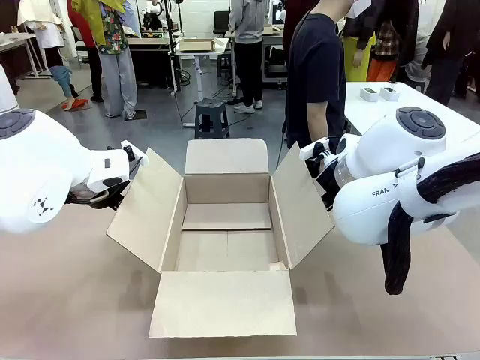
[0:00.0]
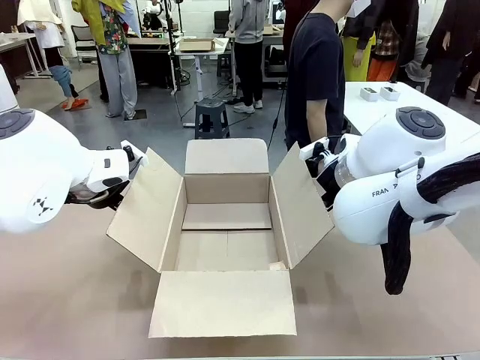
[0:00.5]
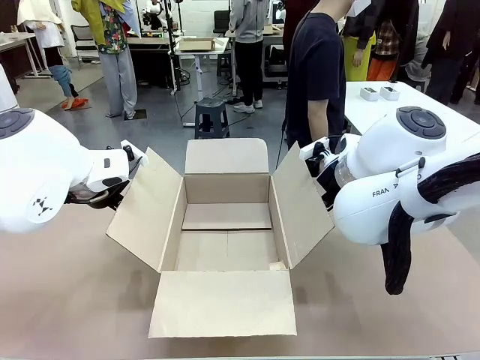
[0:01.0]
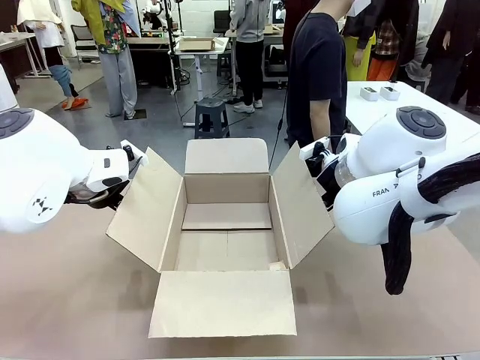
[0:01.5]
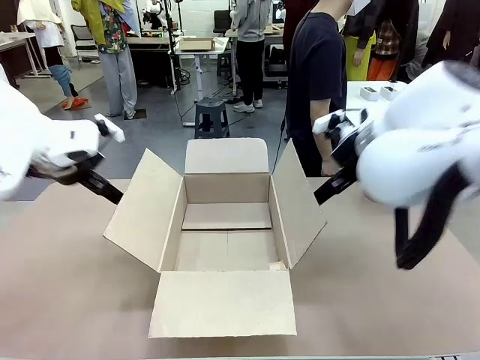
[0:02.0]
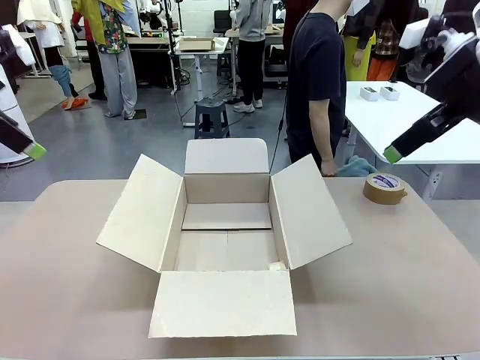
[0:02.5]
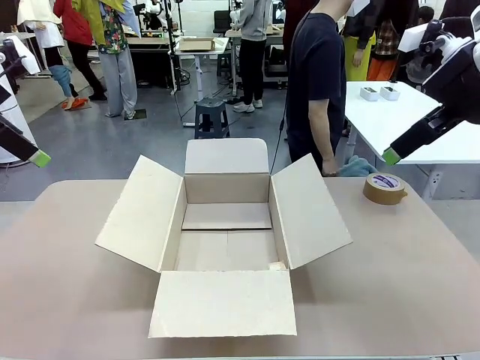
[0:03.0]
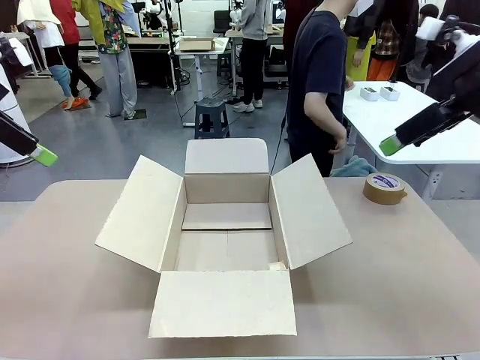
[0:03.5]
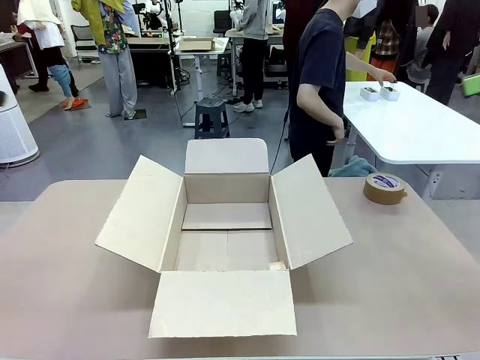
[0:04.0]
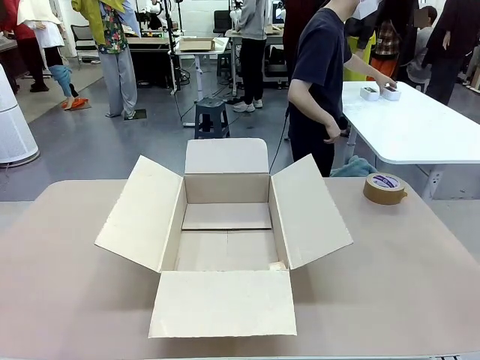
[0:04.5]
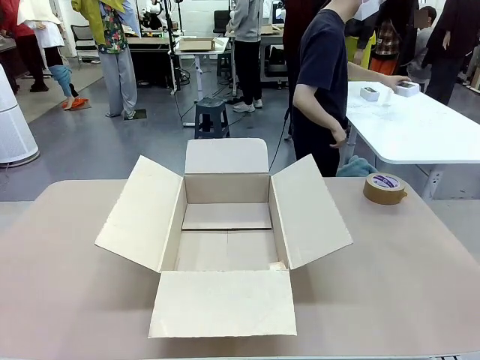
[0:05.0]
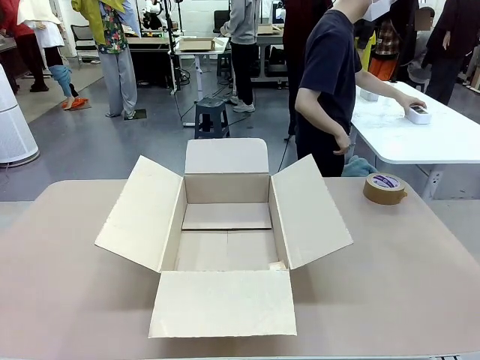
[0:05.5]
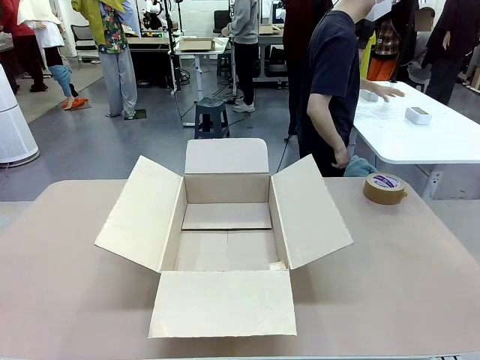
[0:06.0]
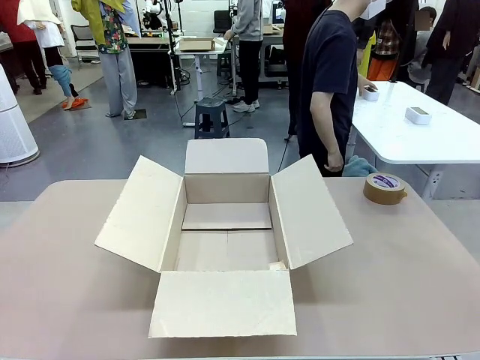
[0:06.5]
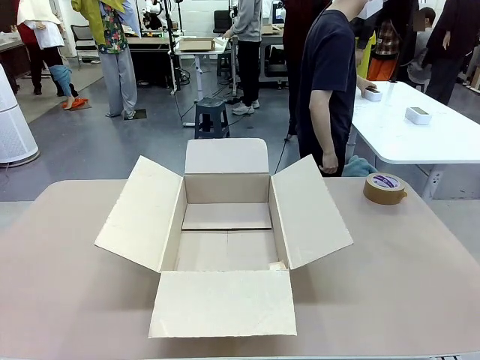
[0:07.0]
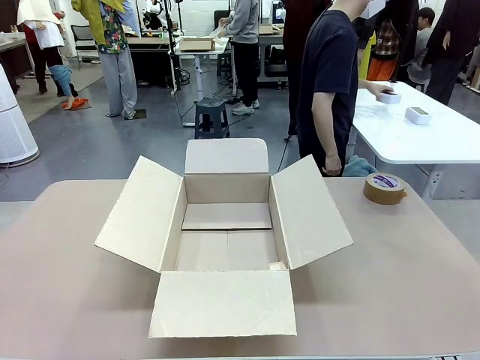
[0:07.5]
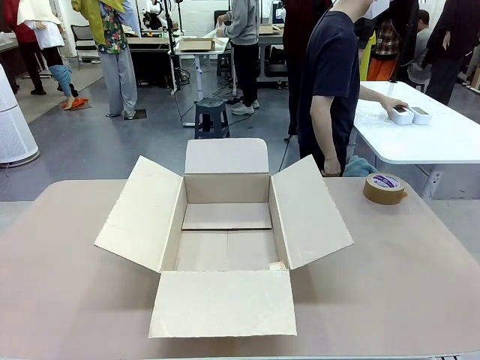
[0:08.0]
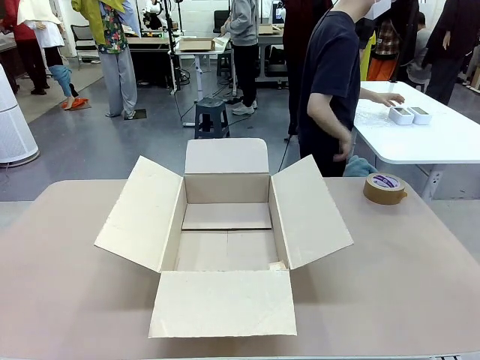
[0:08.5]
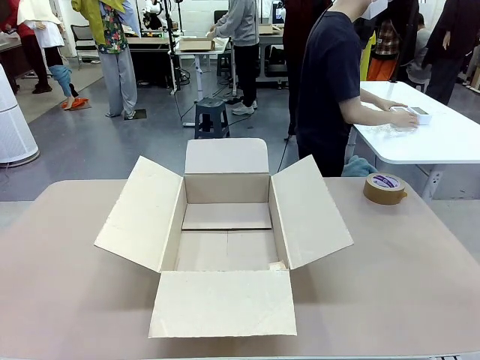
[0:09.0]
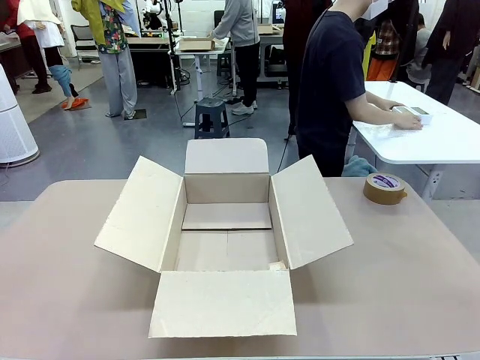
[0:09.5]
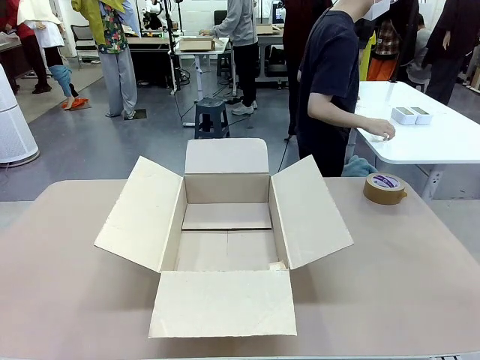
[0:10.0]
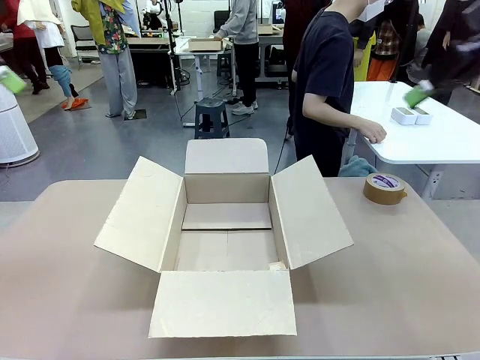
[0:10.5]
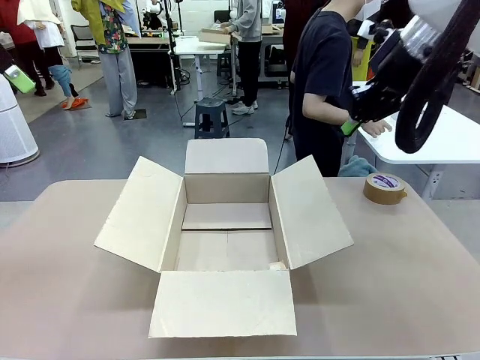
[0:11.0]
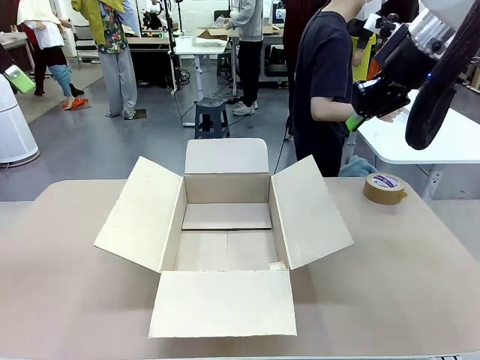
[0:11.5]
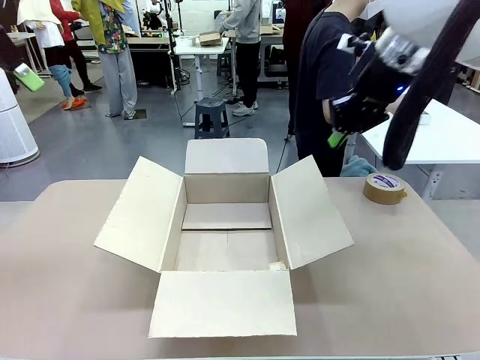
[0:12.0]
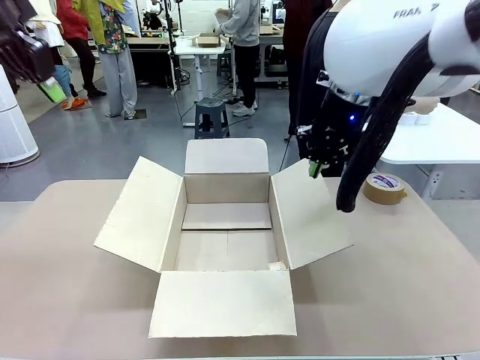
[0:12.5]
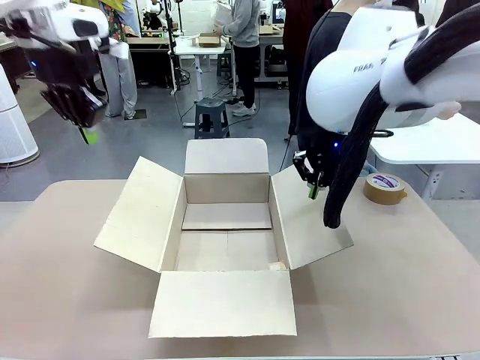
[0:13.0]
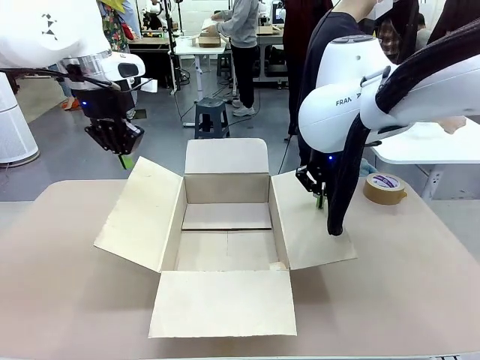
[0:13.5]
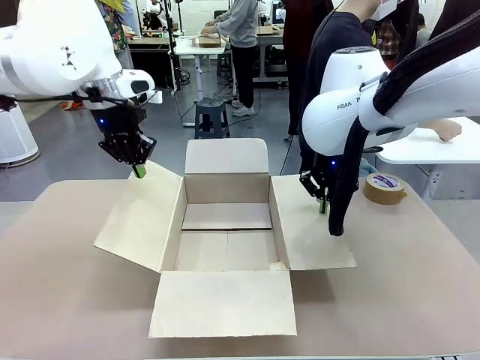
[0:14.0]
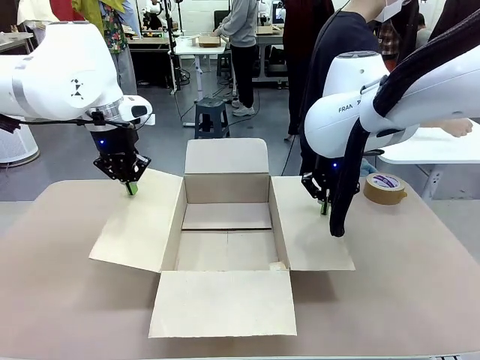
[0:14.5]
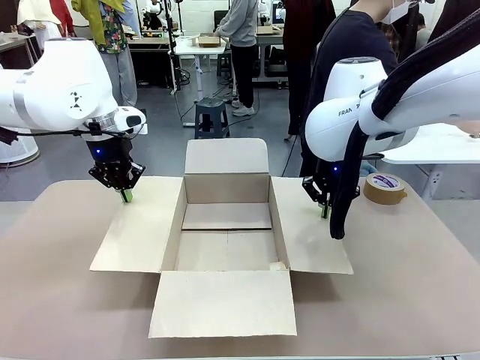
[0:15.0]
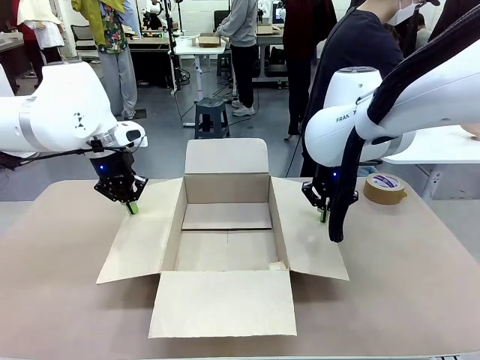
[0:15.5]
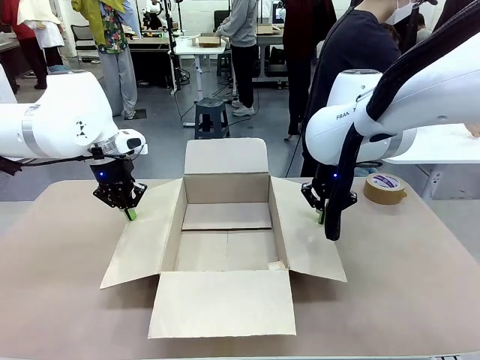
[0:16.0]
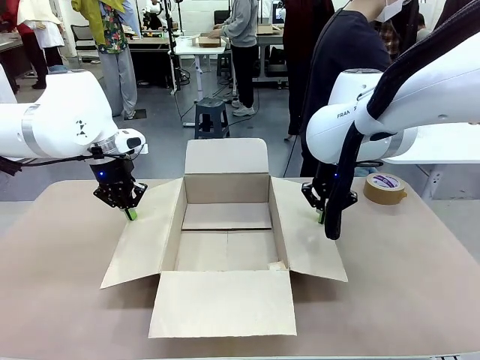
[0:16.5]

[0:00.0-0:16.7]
Task: Wrap the clocks to prevent damage.
Robot: Open the side flaps of the Package Box.
Person: Wrap the two Digital clocks with Bubble Wrap.

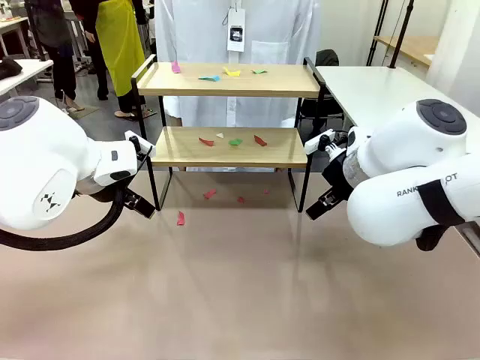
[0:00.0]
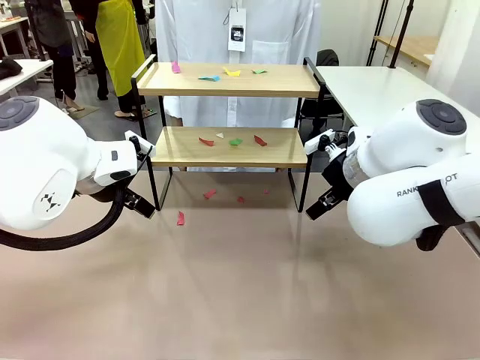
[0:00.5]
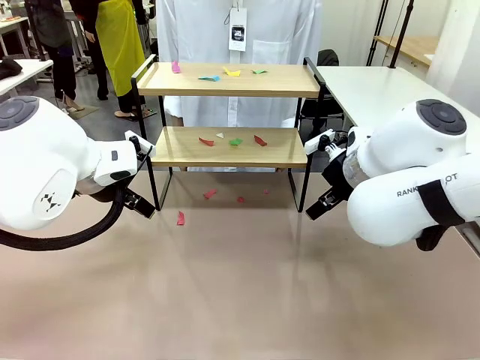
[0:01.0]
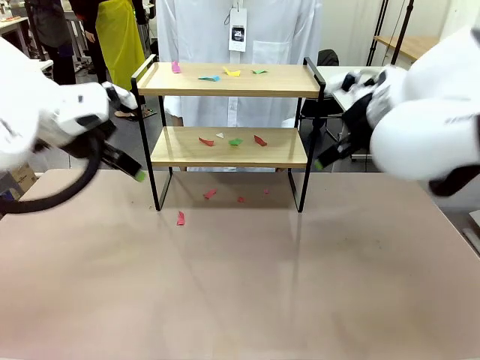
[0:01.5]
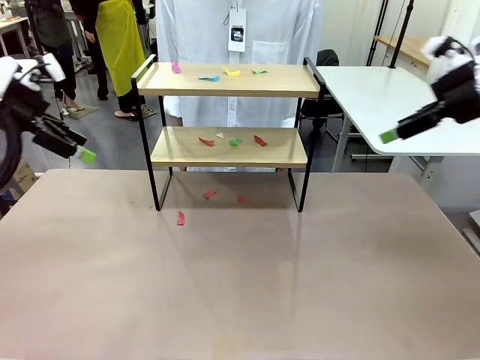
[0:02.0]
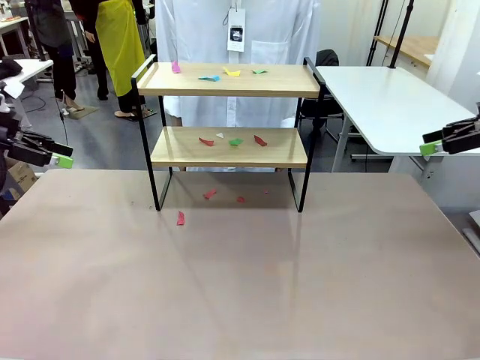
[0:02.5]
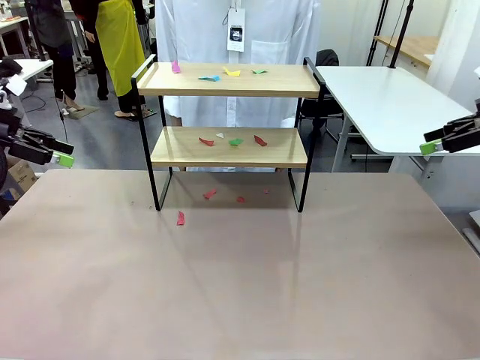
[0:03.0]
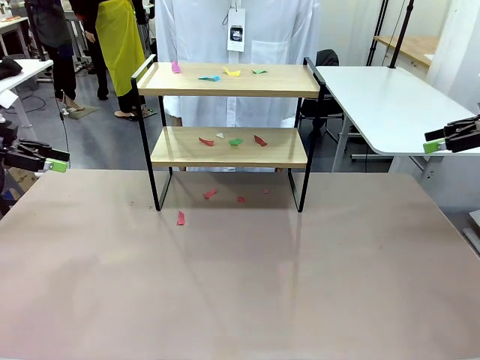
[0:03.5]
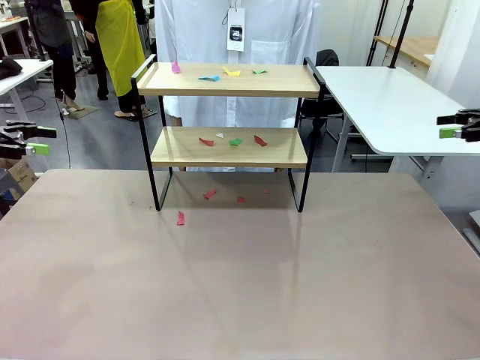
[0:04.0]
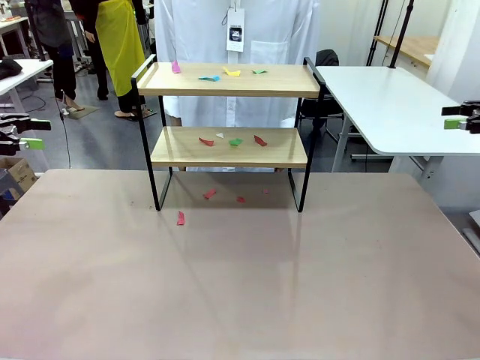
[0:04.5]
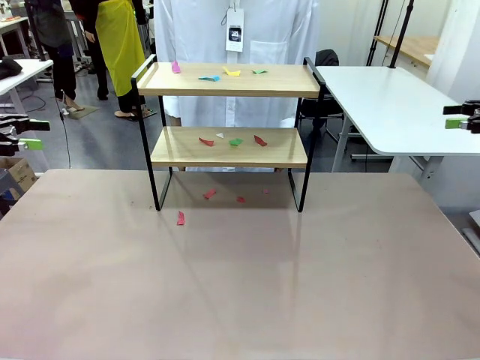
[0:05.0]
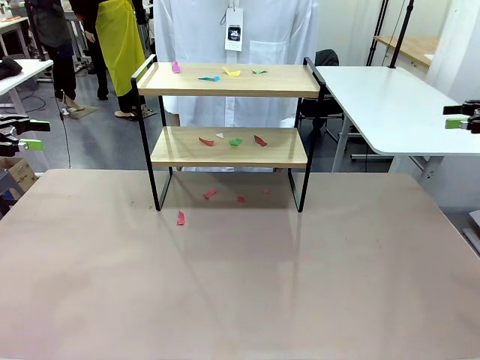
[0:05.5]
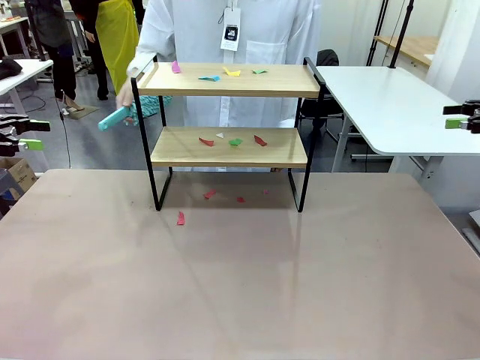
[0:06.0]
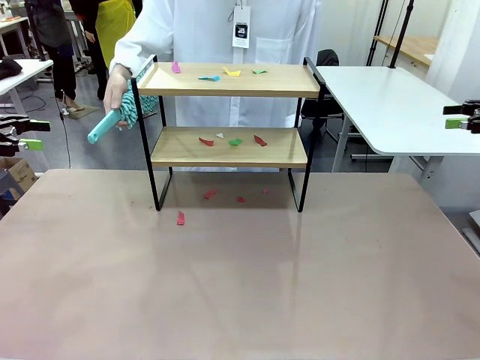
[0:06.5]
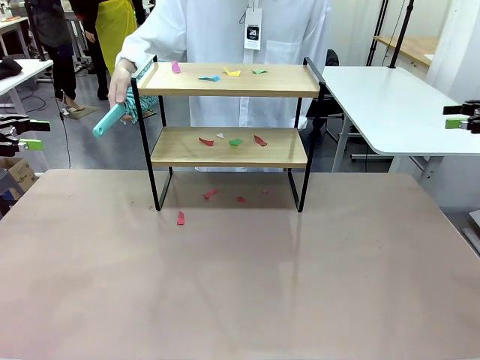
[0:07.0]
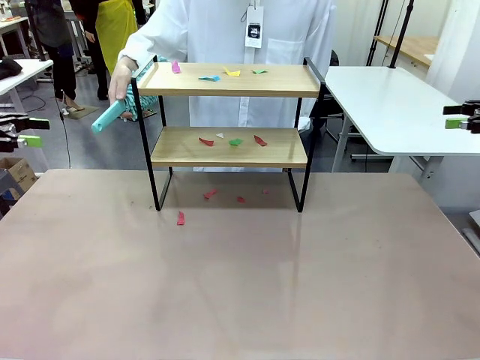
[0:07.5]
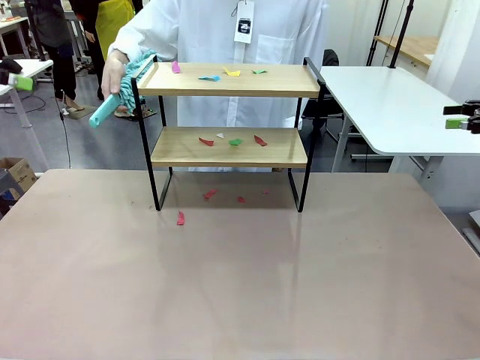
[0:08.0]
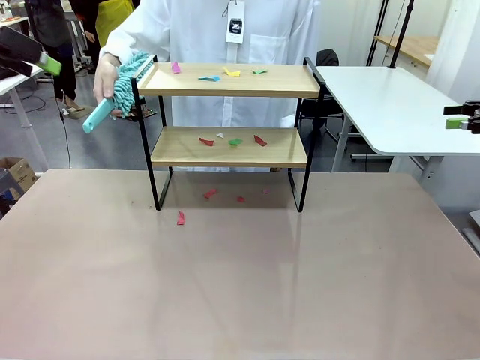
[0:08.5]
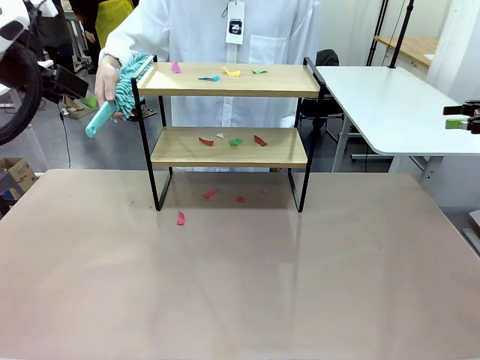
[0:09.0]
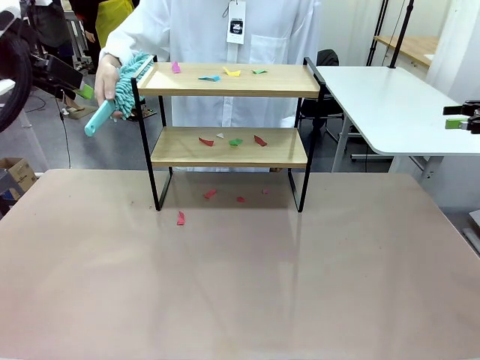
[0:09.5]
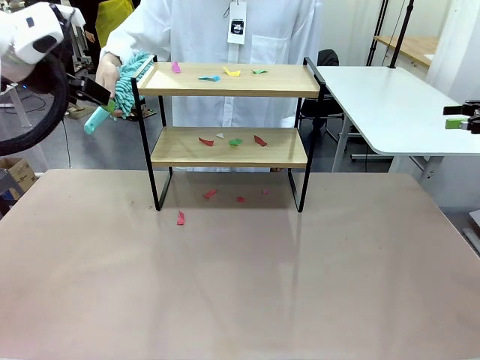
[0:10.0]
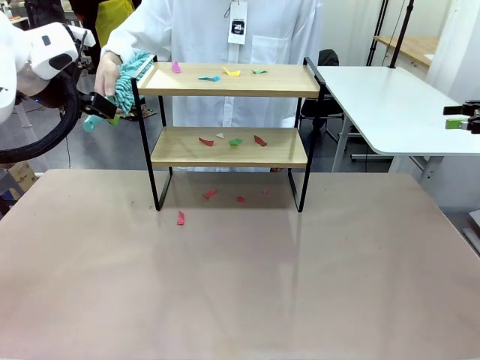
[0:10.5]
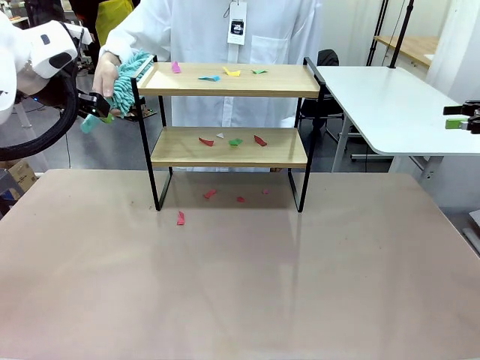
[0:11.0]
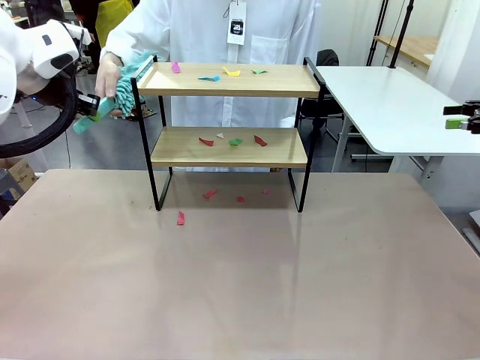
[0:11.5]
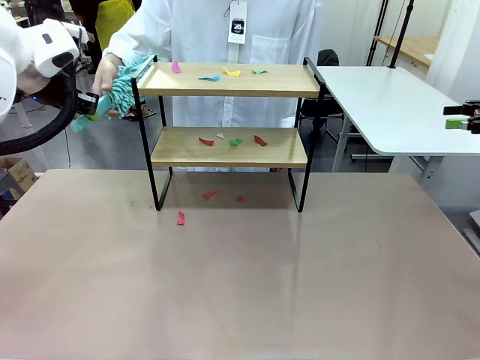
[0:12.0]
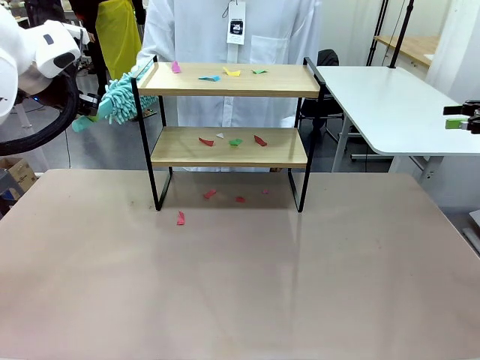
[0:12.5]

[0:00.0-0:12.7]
Task: Clean the shelf.
Robot: Pick up the Duster handed by the human.
Person: Hand the Duster to the robot.
